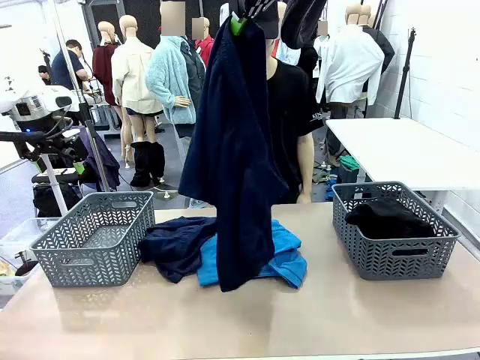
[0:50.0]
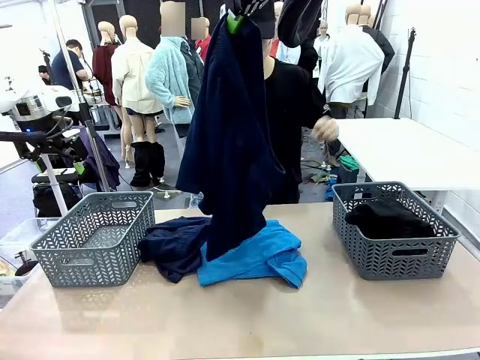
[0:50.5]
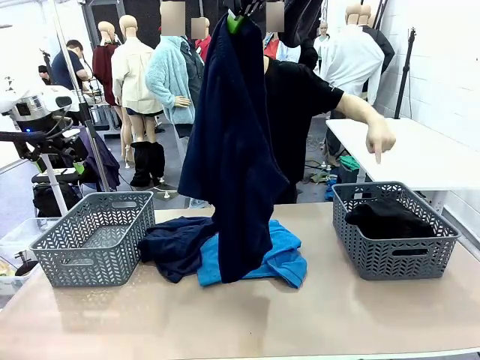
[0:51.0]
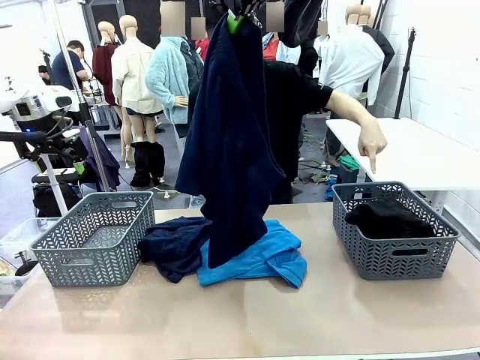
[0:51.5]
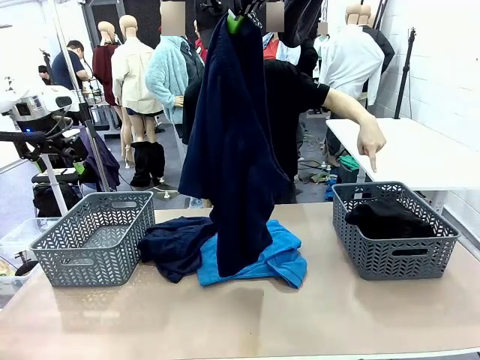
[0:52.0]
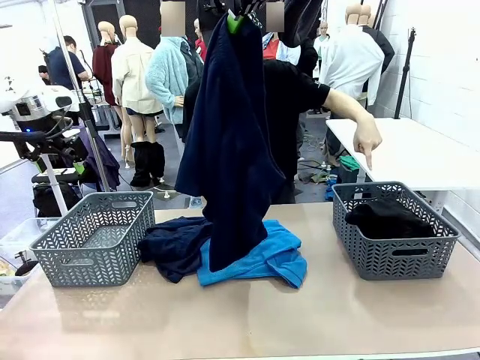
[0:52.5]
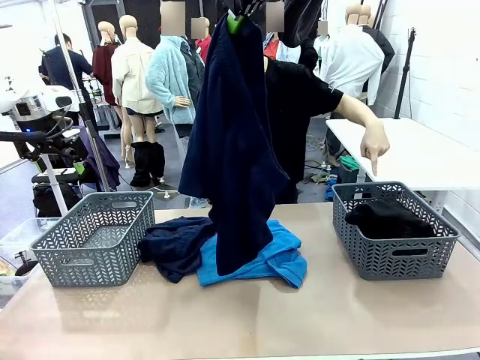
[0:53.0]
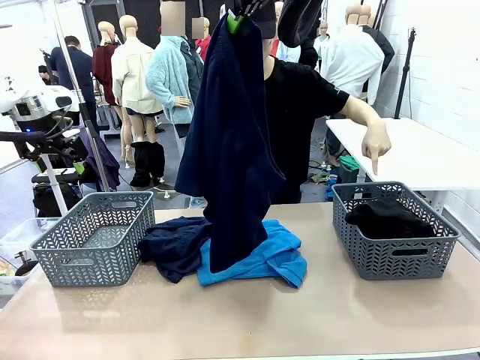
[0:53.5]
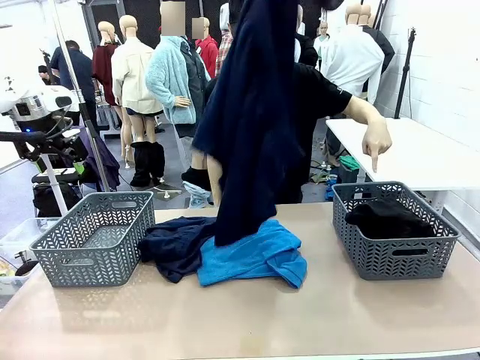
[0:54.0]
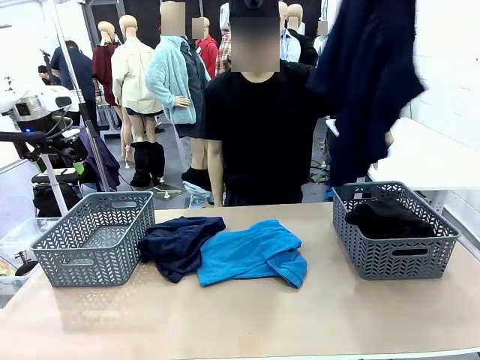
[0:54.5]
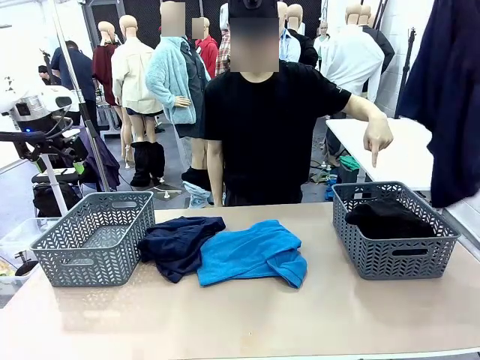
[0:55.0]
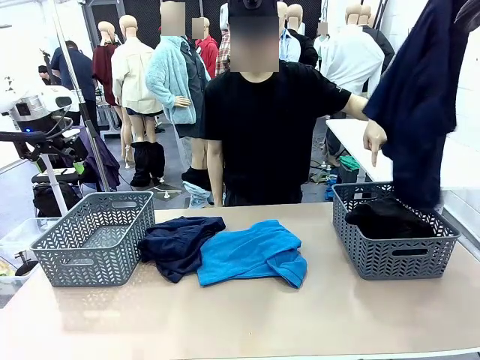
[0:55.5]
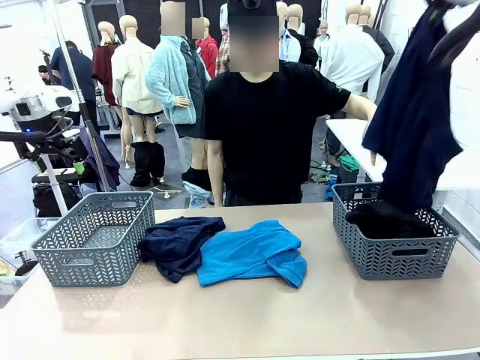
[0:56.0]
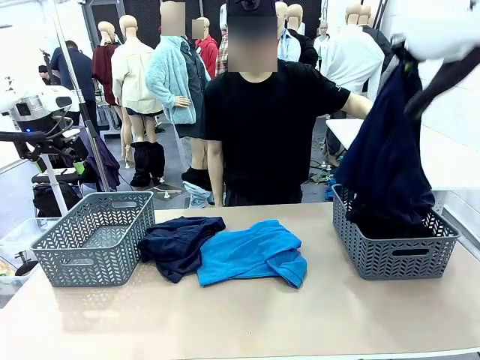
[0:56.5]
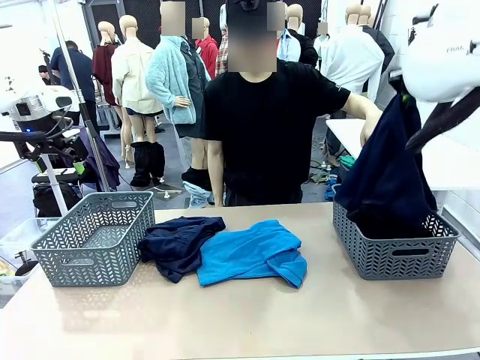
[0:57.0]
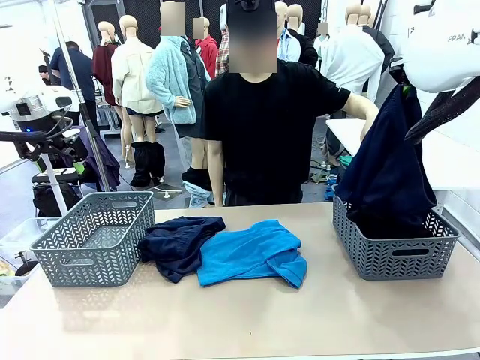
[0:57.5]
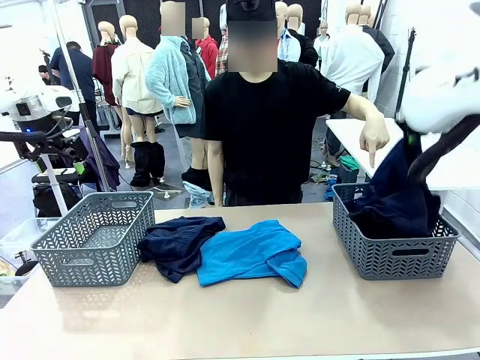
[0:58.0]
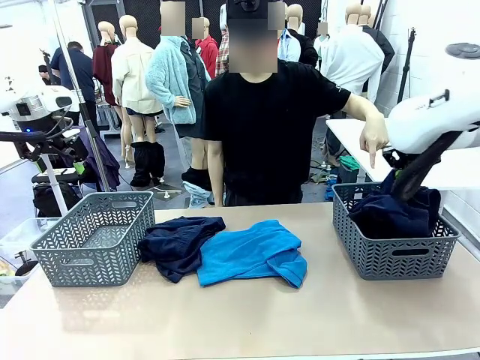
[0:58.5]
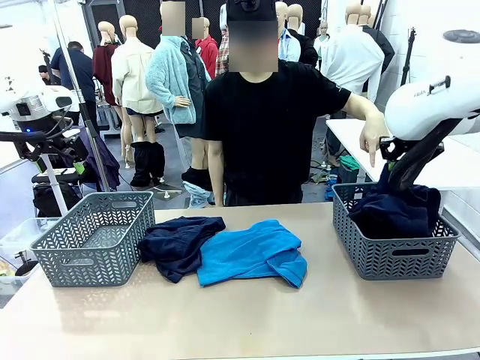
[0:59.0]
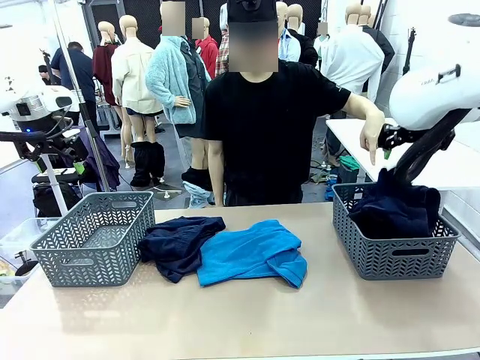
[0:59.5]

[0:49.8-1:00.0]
Task: Sort the tops and bottoms.
Robot: Sort the clothes according to human instructions.

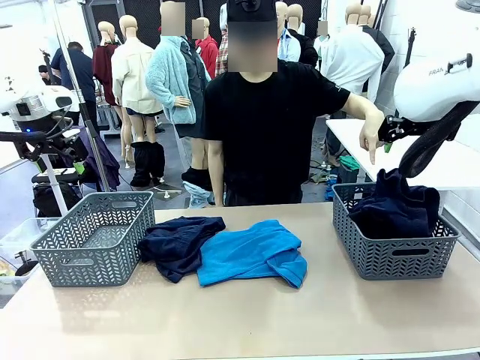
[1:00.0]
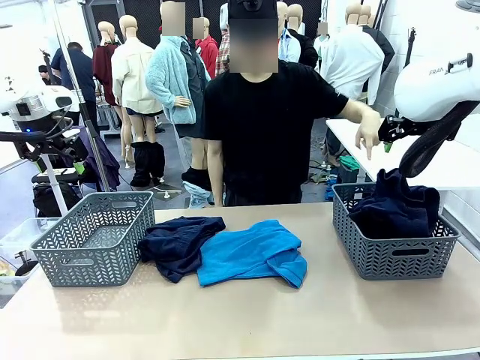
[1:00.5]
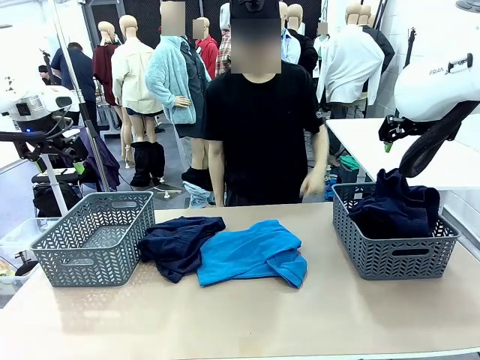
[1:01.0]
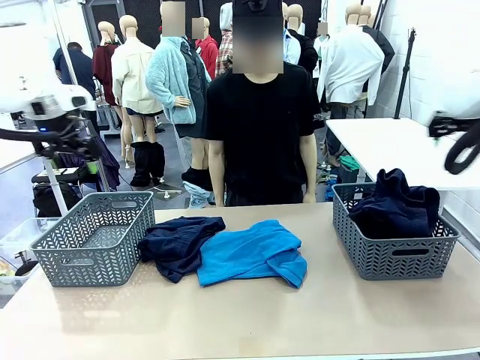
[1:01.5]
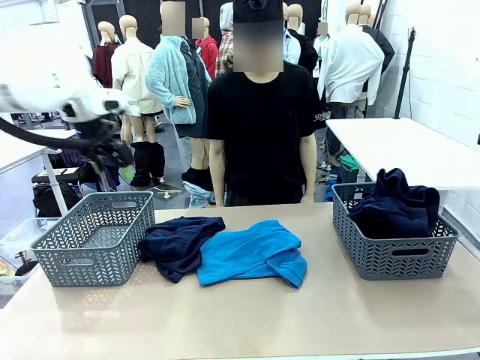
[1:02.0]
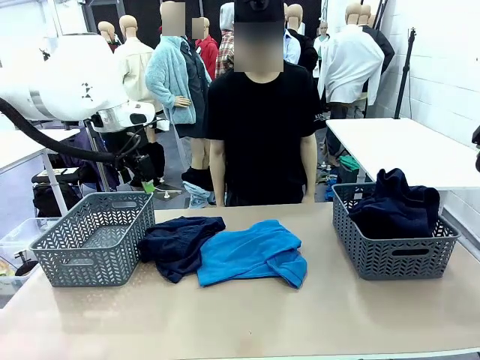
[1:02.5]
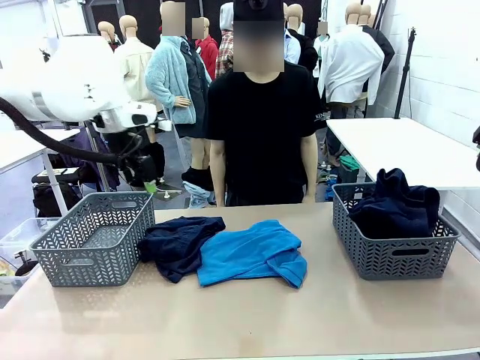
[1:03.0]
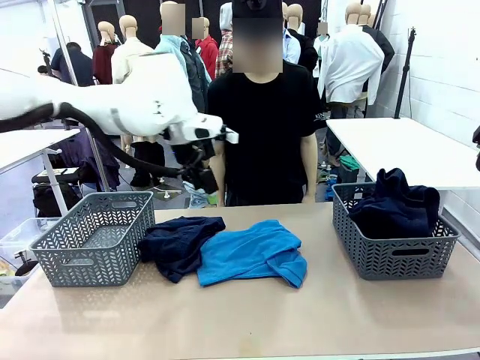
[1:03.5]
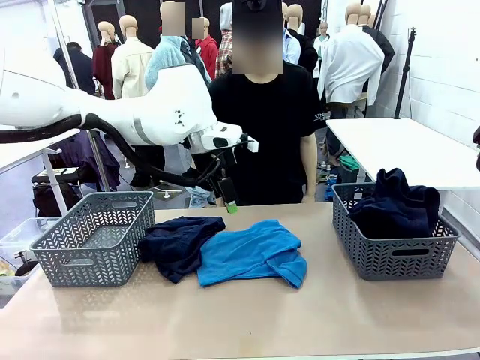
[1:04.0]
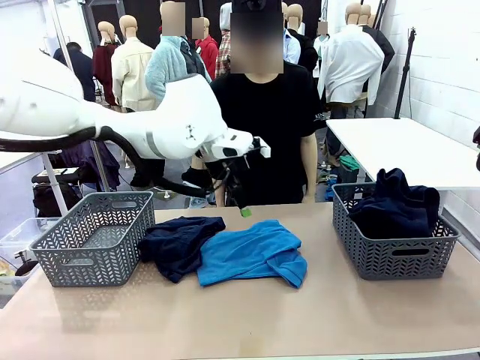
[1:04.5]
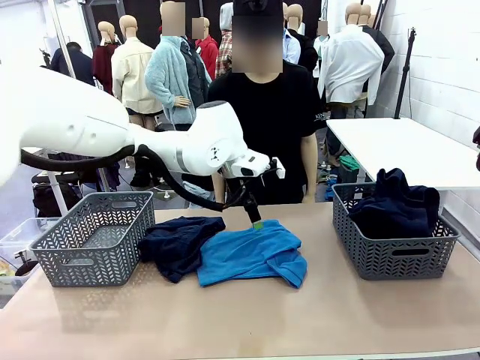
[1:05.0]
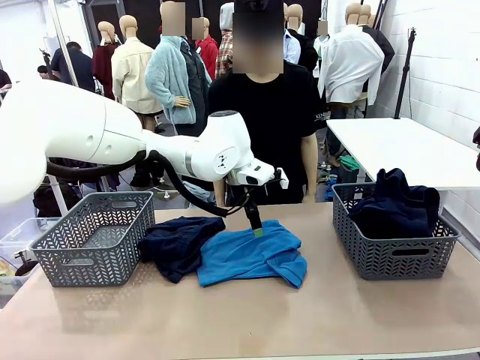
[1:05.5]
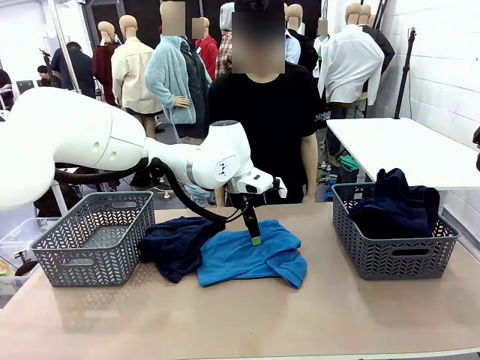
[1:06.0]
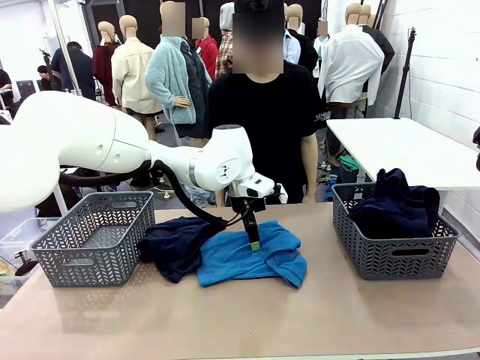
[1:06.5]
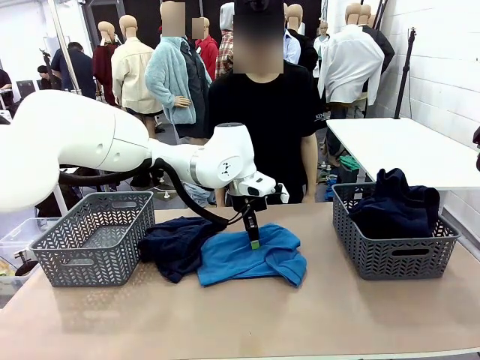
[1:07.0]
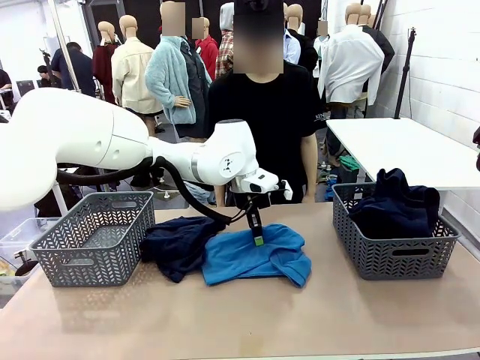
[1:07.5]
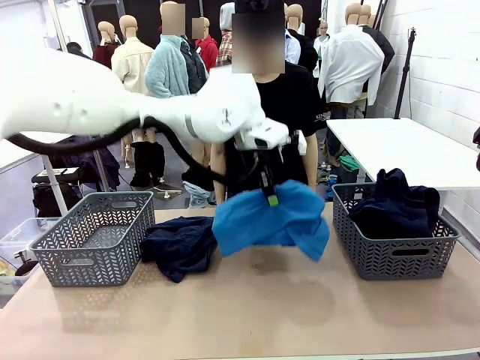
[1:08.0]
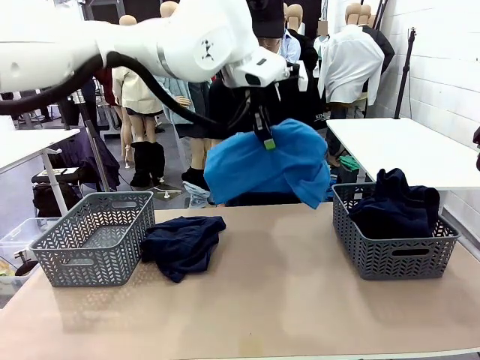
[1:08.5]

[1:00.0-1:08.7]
Robot: Lift clothes from the center of the table with your left hand.

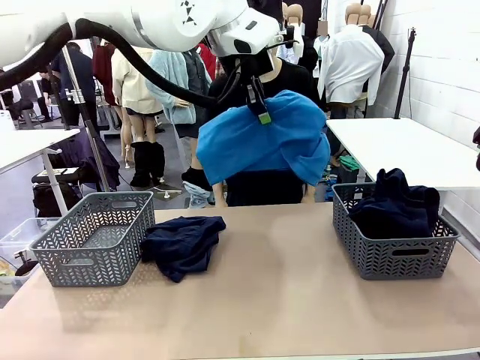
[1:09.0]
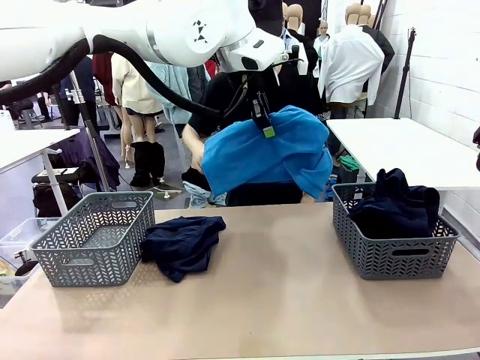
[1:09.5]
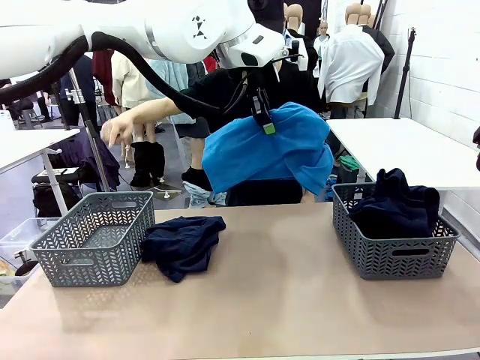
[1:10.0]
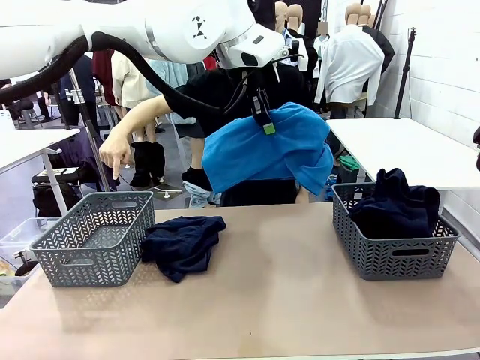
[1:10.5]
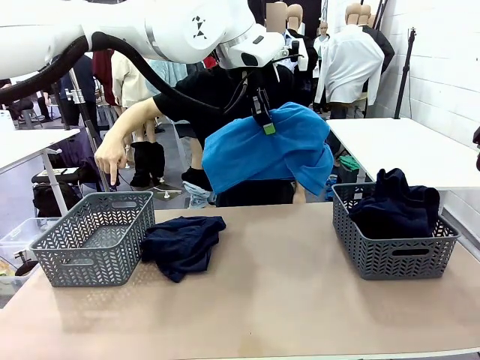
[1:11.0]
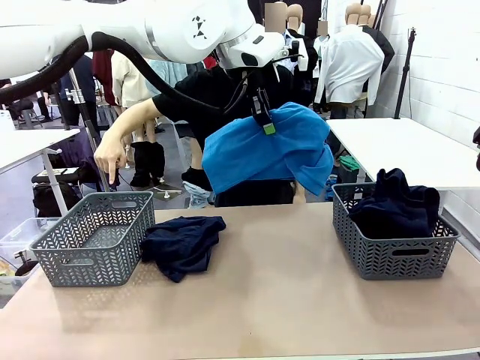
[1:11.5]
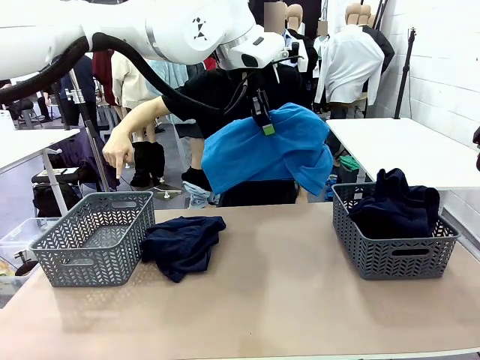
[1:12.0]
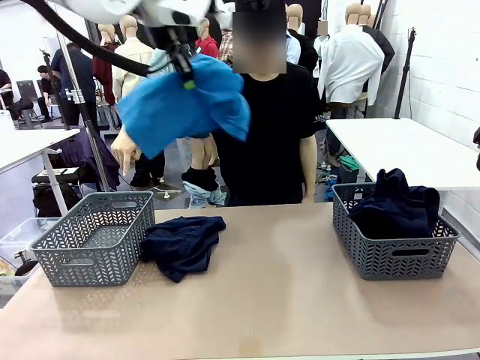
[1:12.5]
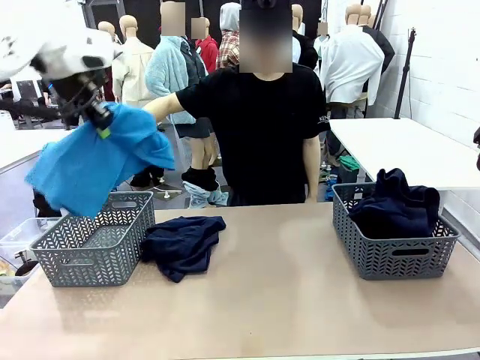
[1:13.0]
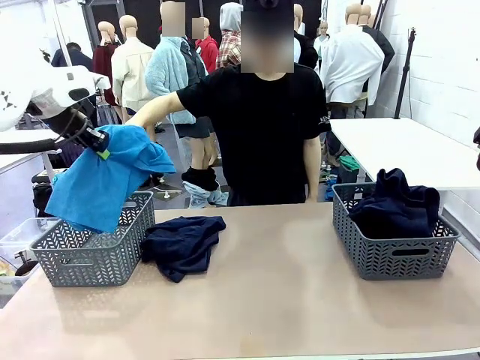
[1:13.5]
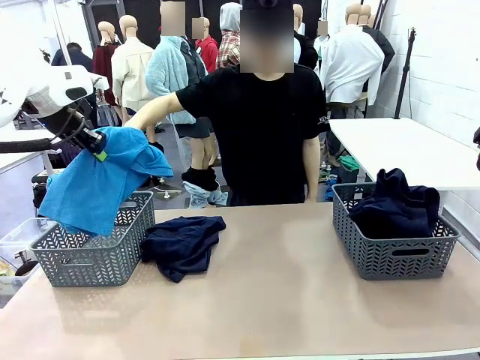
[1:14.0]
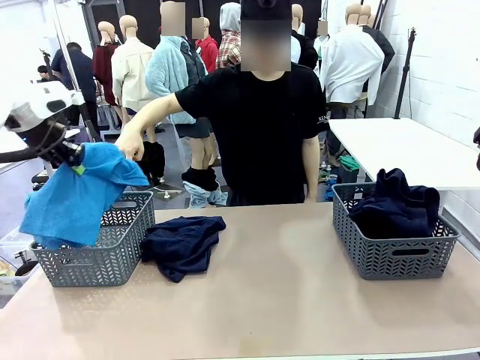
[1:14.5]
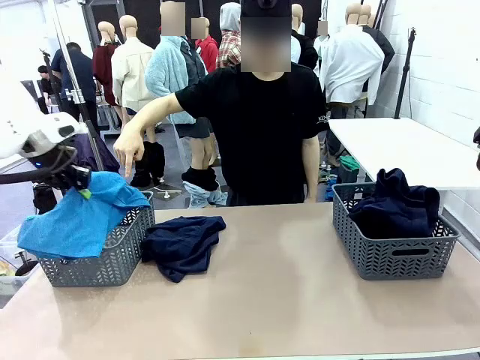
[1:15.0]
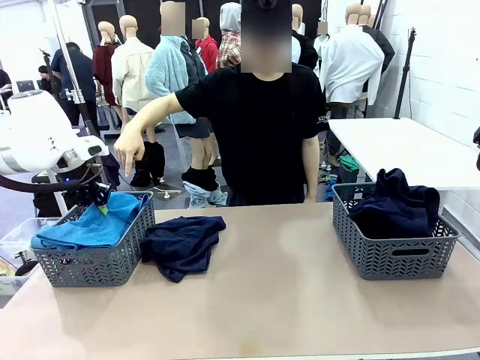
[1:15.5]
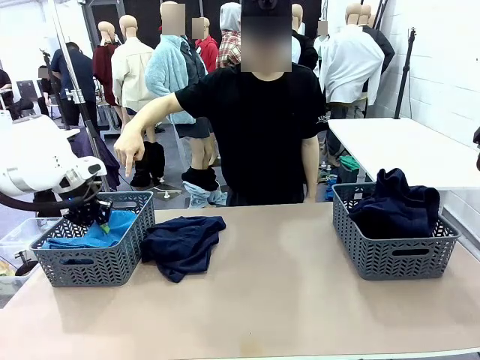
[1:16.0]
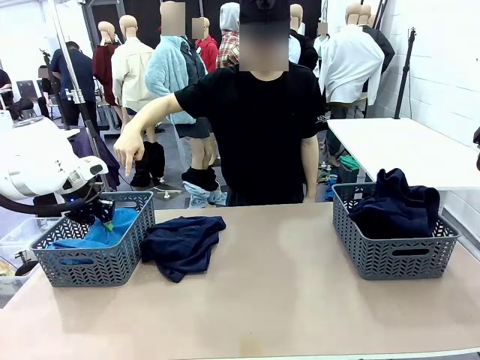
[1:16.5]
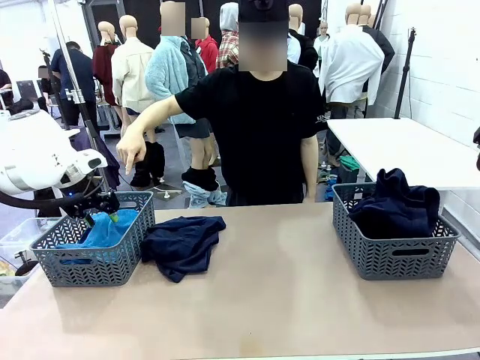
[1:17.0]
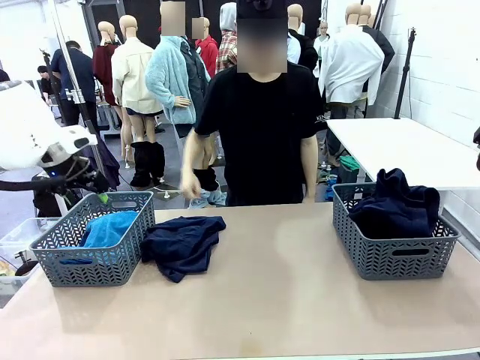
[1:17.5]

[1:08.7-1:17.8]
Robot: Sort the clothes according to human instructions.
